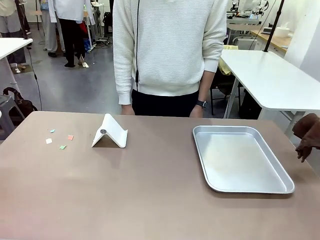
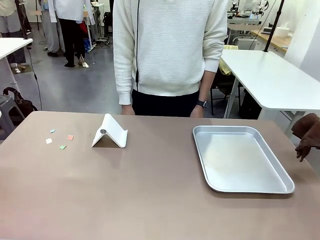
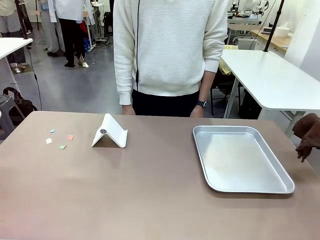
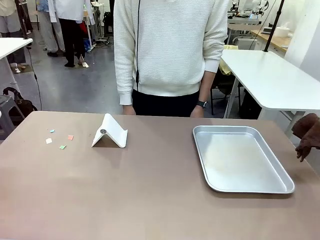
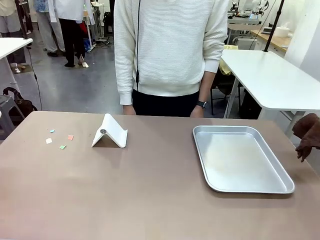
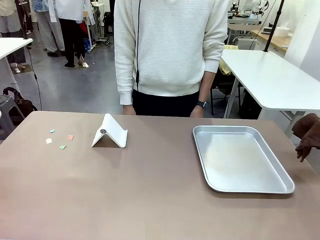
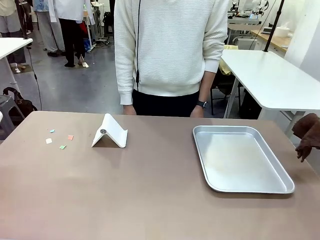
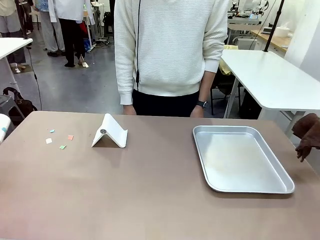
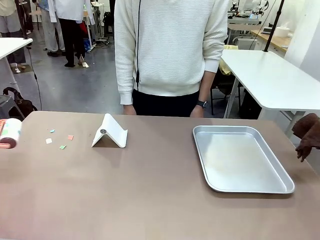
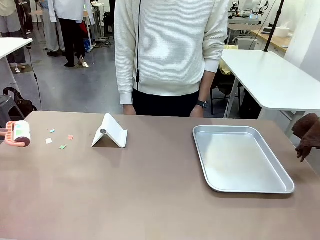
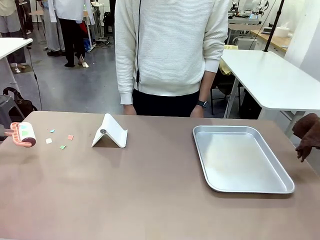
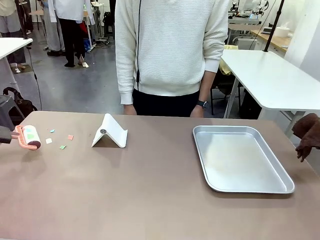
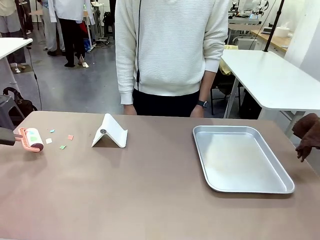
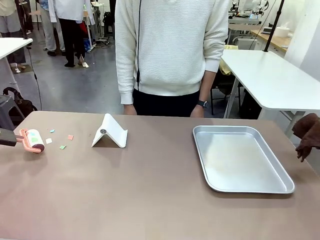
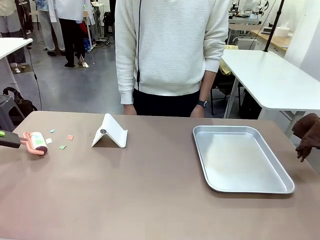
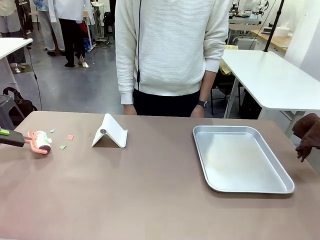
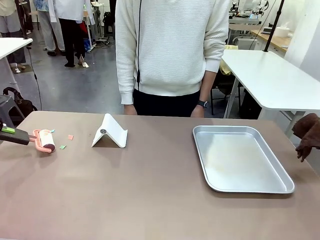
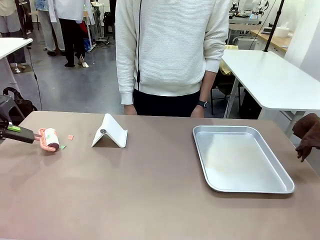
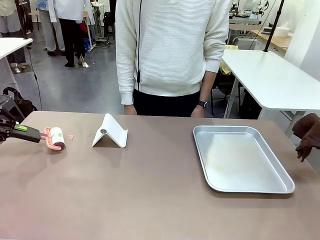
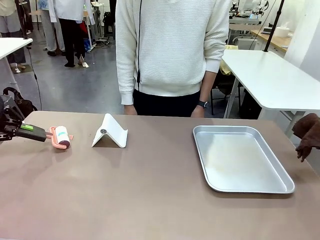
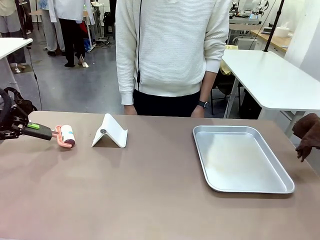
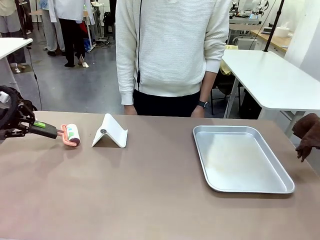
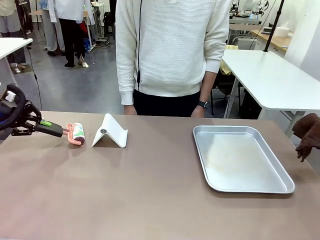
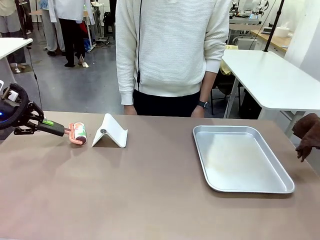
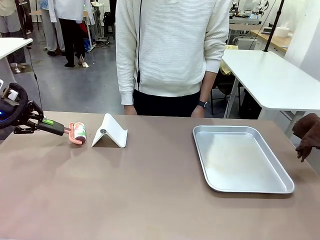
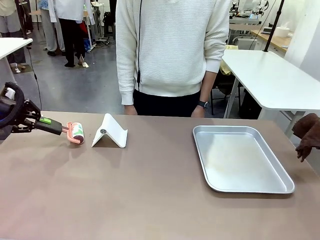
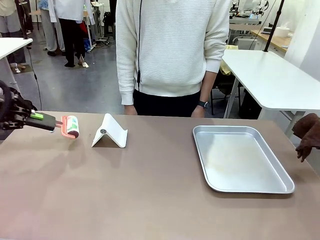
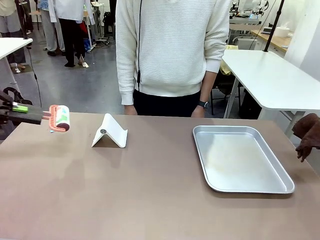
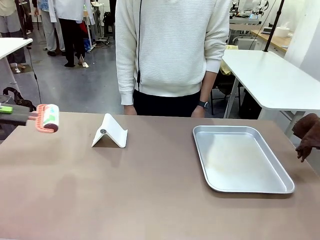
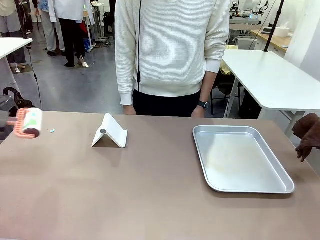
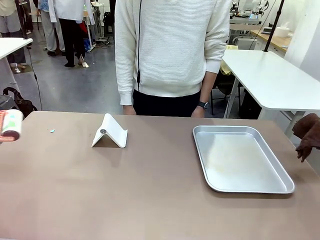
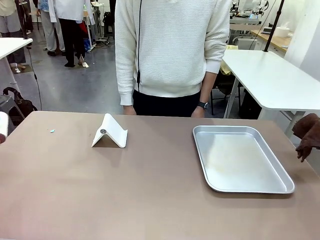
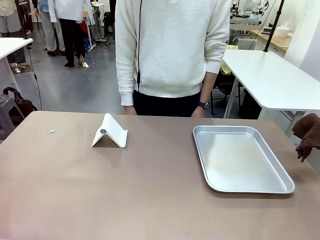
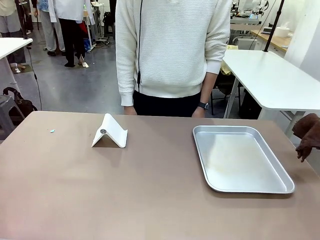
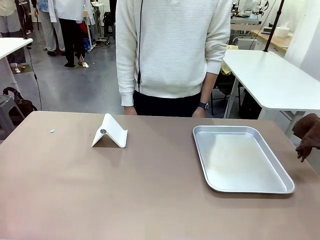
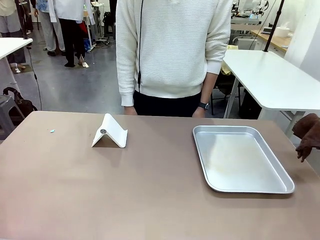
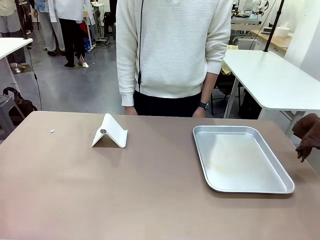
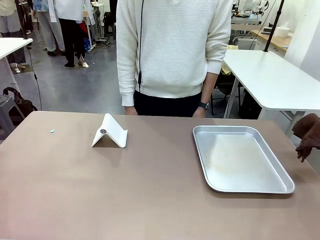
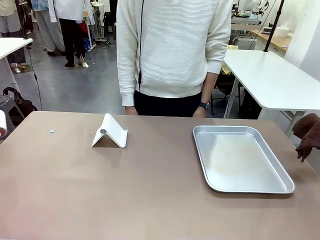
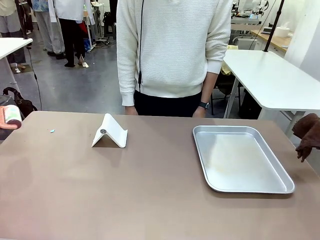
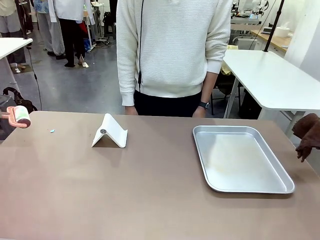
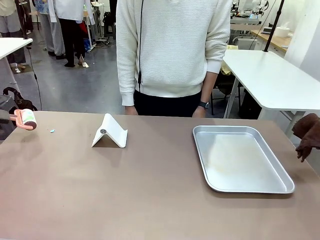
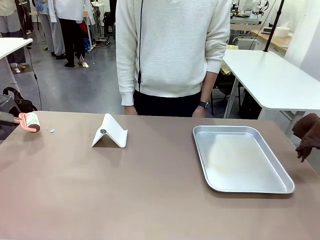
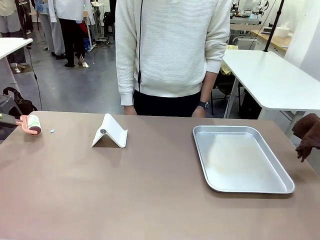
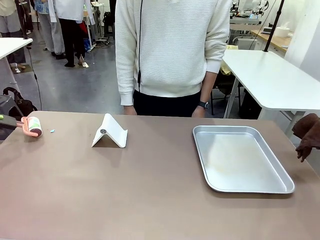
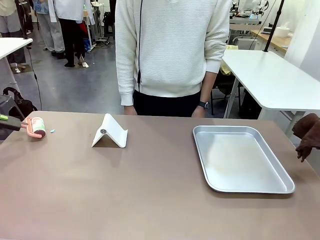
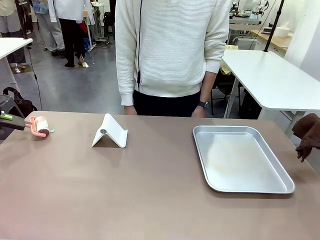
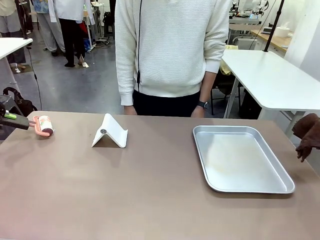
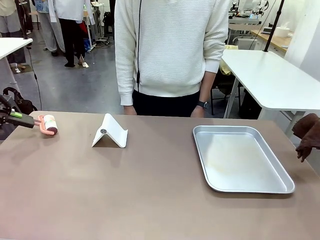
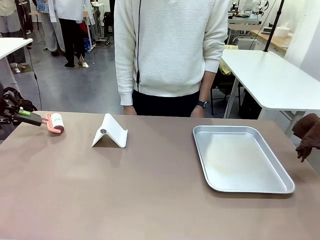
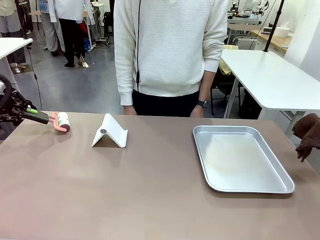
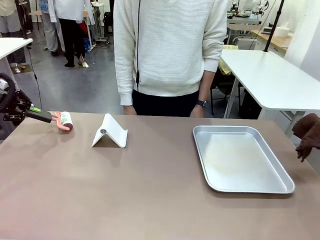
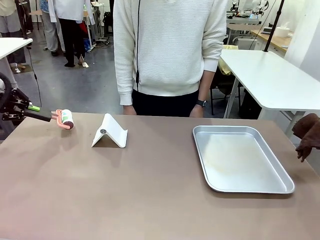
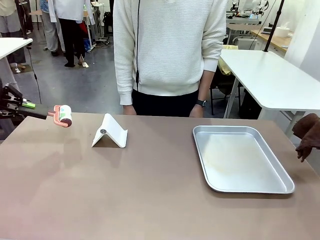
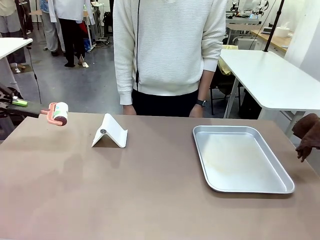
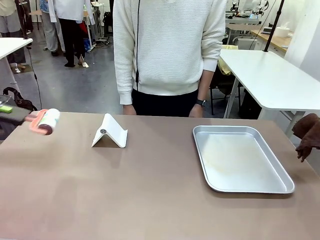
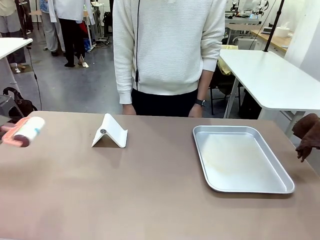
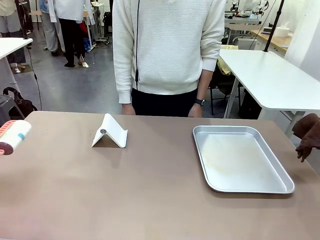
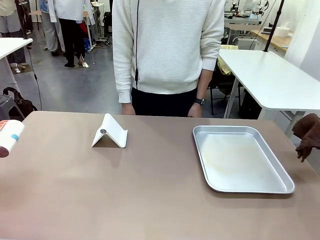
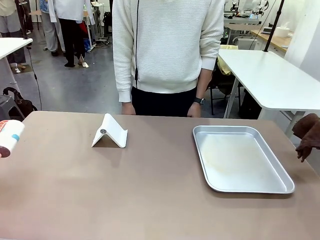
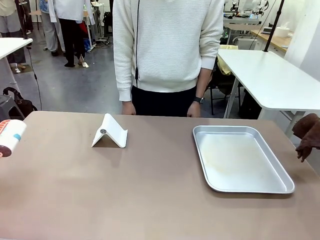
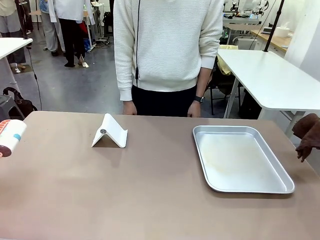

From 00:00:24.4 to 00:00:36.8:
Task: Clean the surface of the table.
Robot: Clean the area not pointed to by the person.

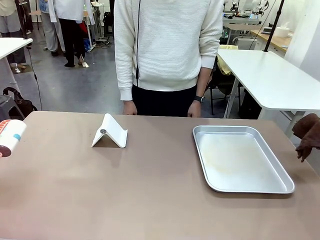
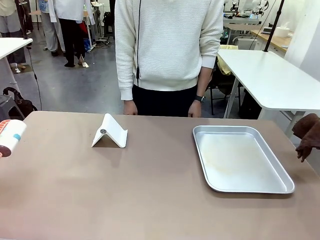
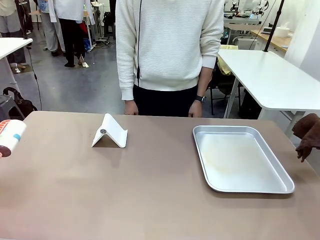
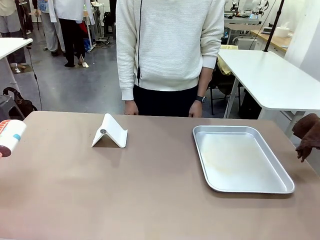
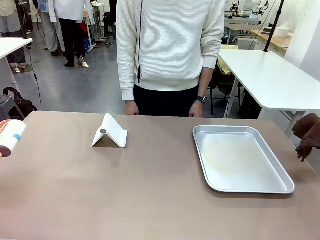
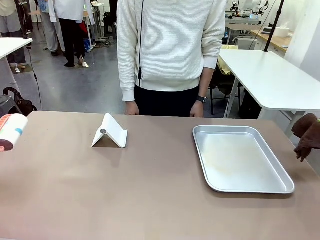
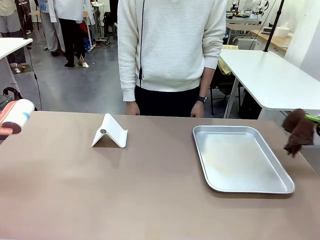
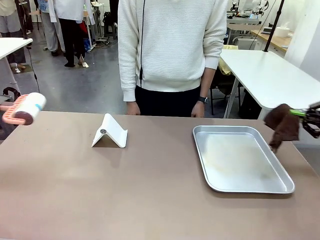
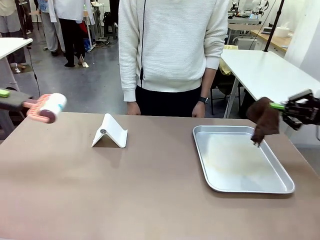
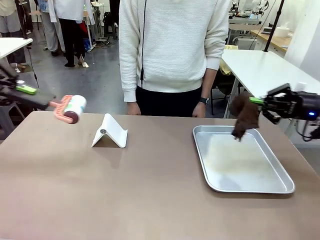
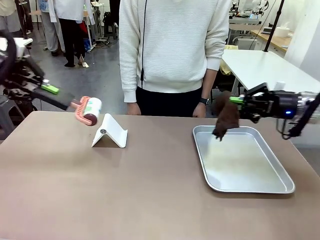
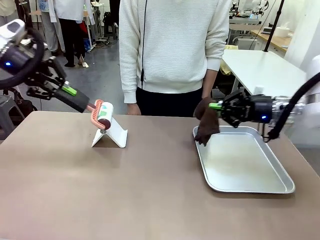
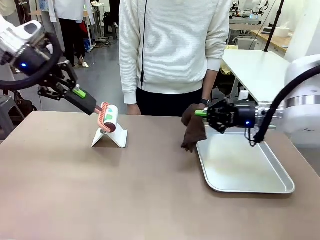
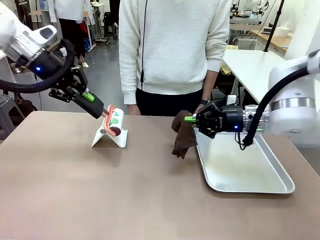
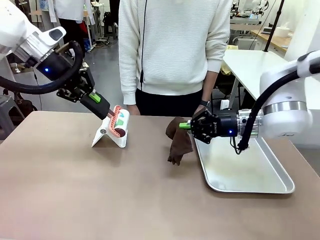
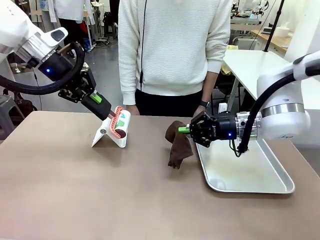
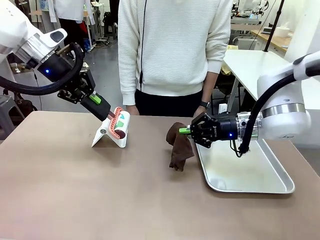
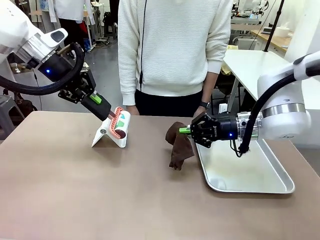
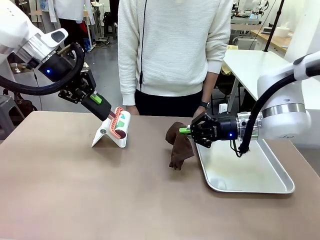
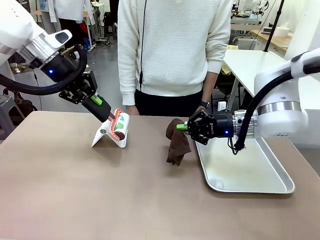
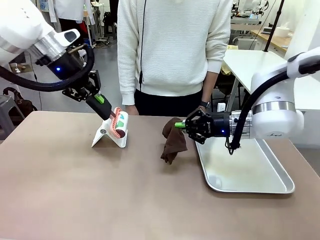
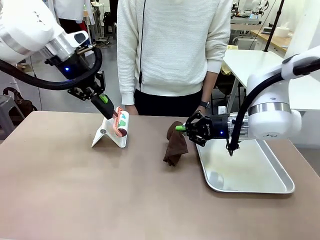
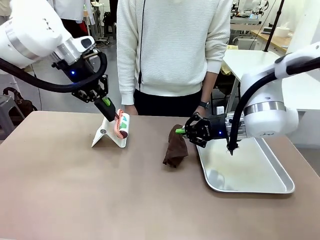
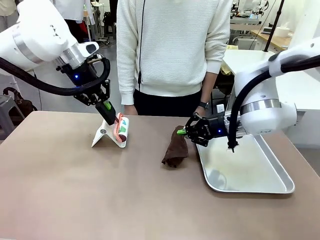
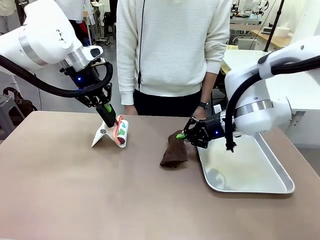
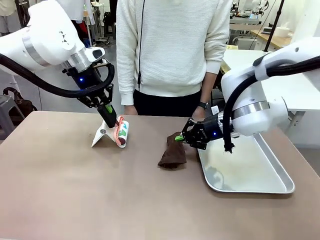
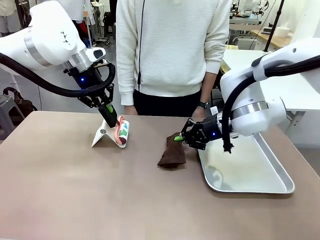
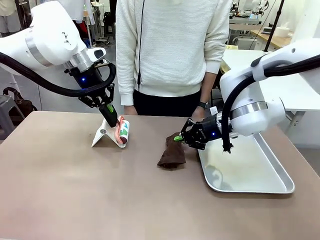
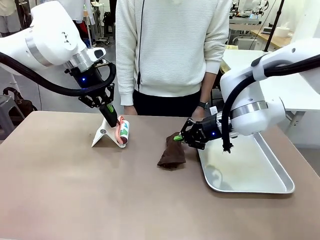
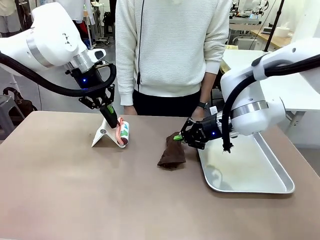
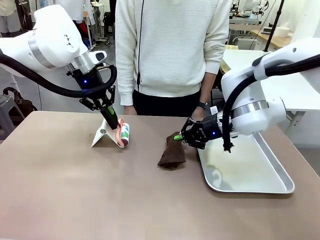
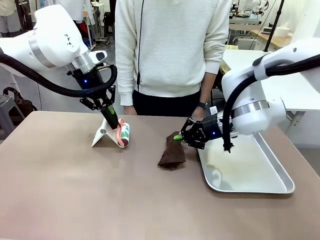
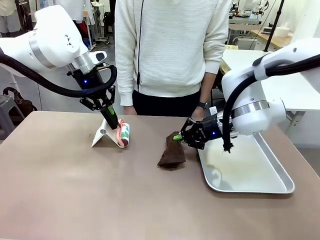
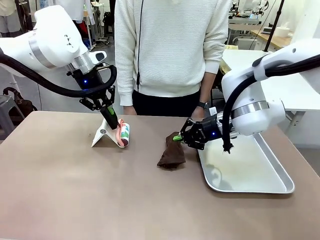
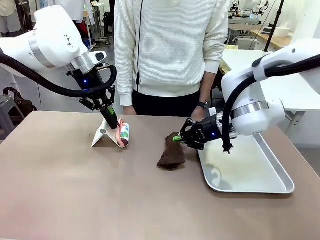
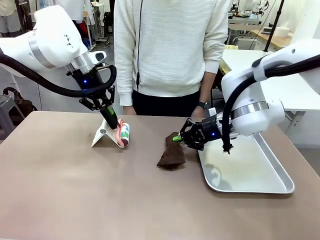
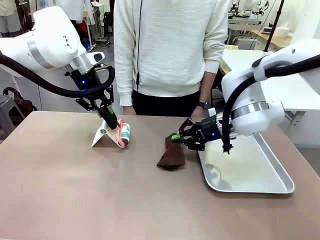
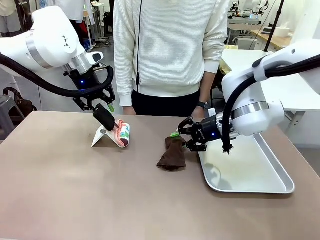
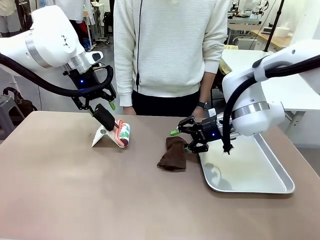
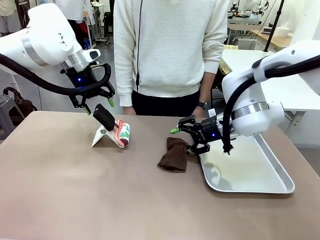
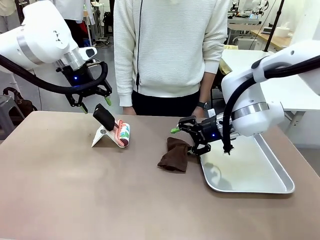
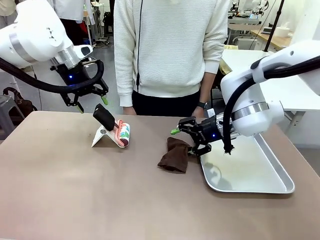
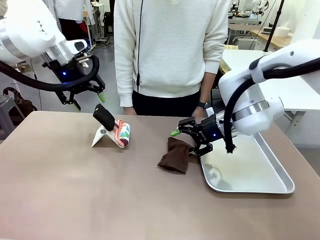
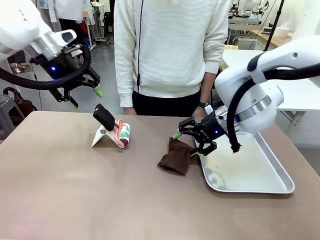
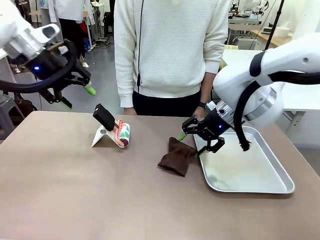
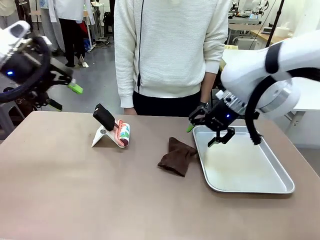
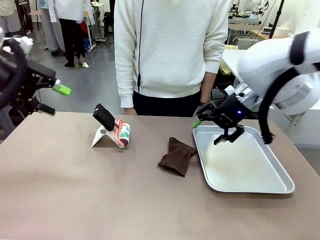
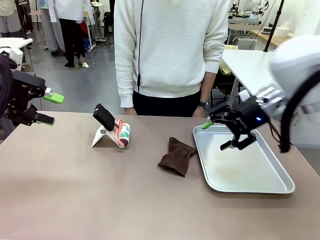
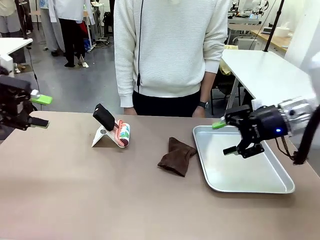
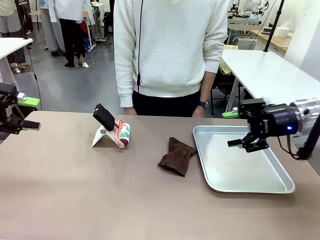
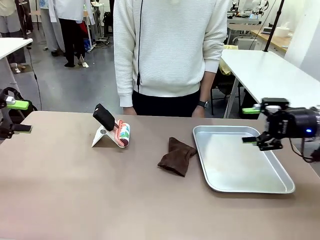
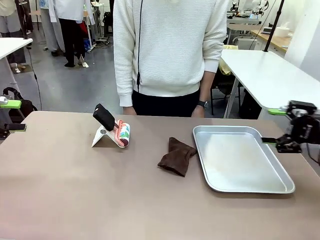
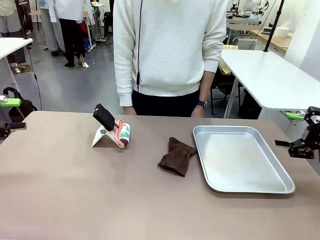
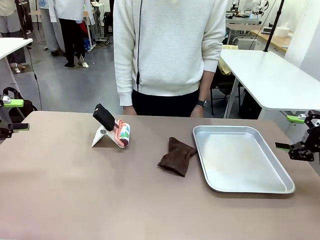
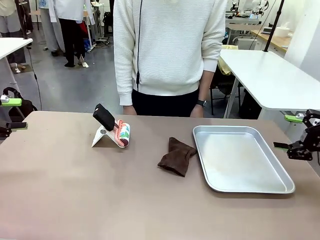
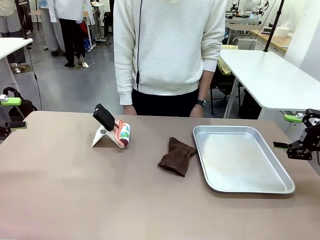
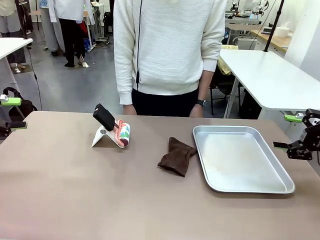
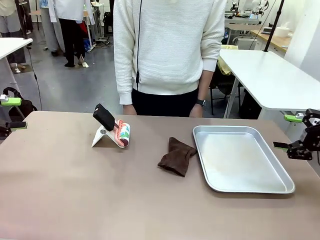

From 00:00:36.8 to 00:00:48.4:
Robot: Return the Lint Roller and towel to their original positions.
